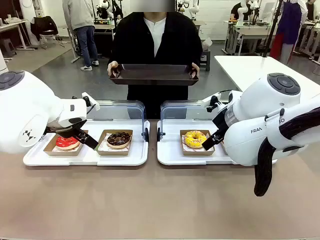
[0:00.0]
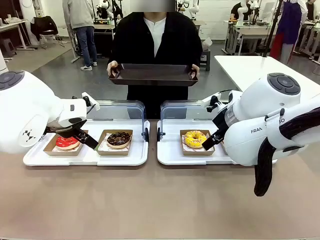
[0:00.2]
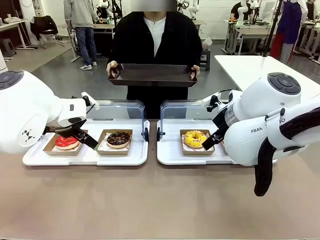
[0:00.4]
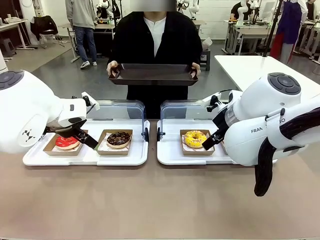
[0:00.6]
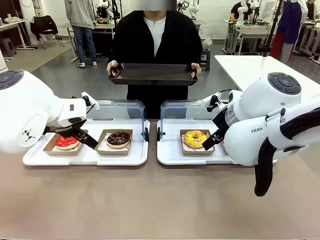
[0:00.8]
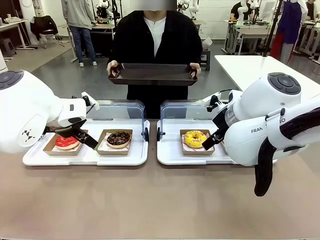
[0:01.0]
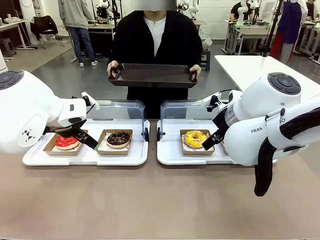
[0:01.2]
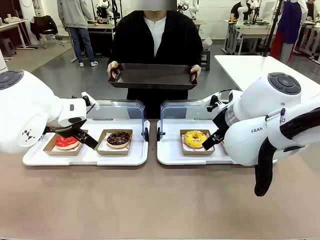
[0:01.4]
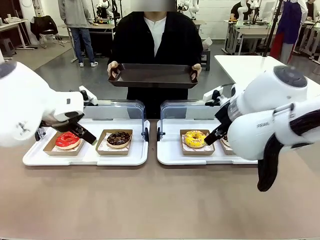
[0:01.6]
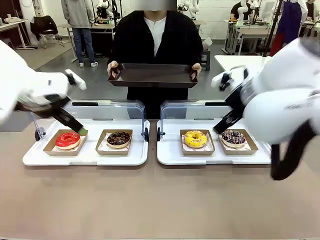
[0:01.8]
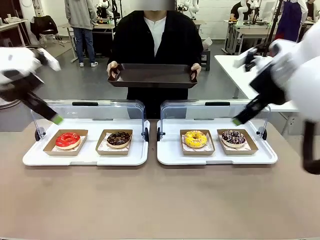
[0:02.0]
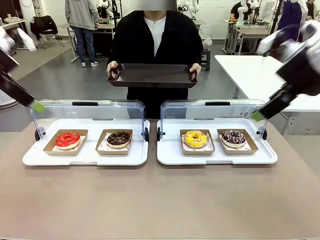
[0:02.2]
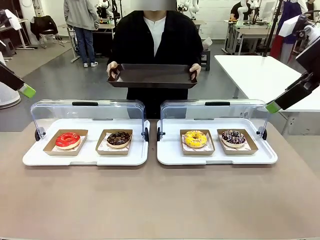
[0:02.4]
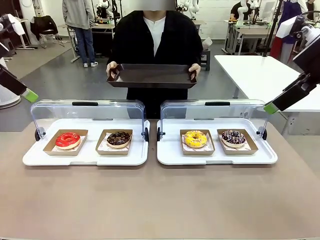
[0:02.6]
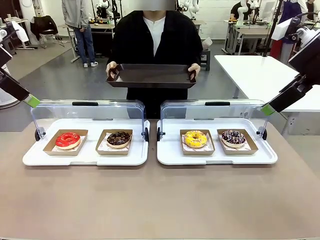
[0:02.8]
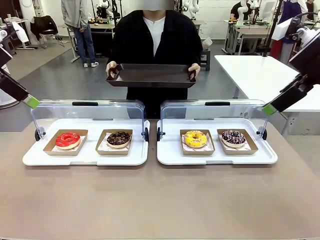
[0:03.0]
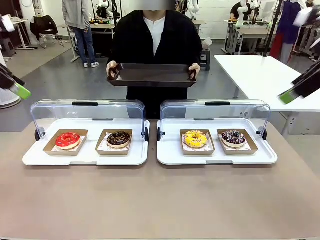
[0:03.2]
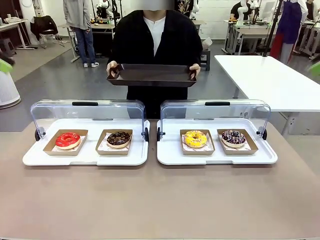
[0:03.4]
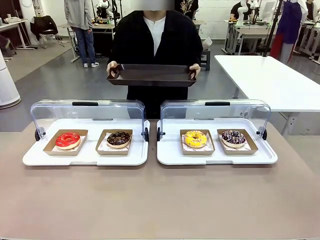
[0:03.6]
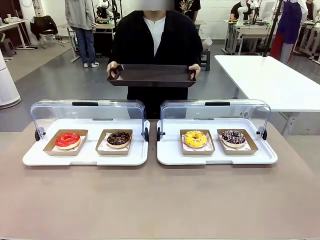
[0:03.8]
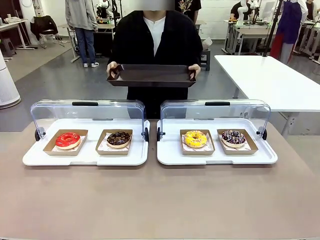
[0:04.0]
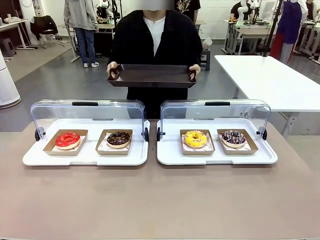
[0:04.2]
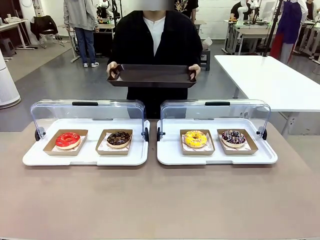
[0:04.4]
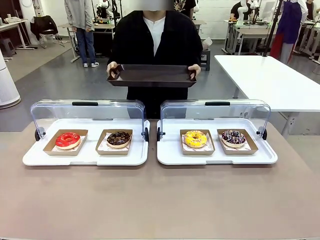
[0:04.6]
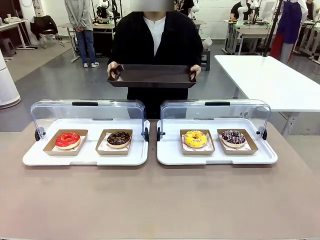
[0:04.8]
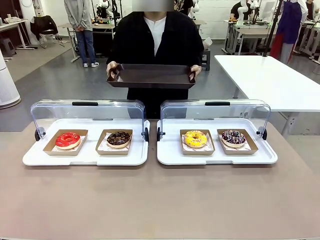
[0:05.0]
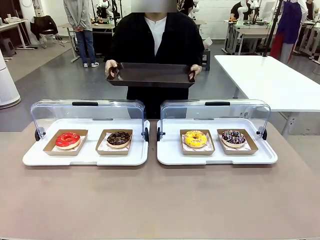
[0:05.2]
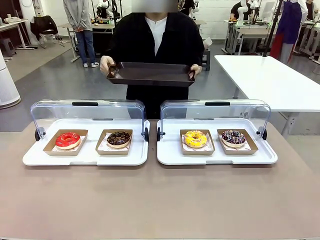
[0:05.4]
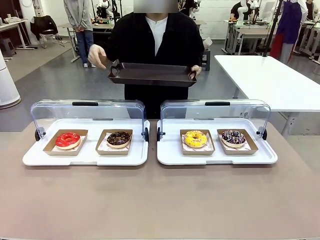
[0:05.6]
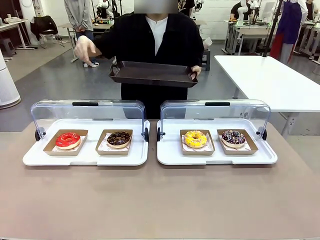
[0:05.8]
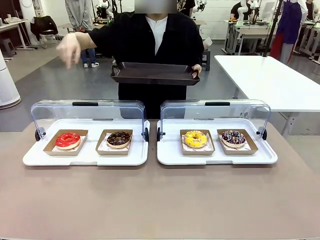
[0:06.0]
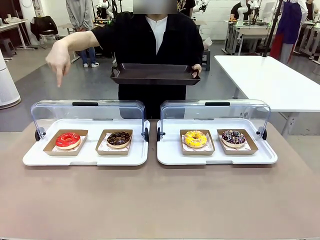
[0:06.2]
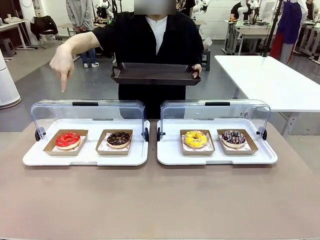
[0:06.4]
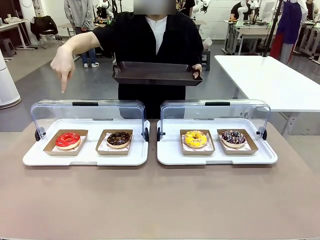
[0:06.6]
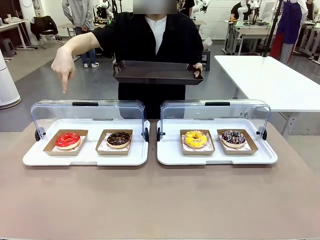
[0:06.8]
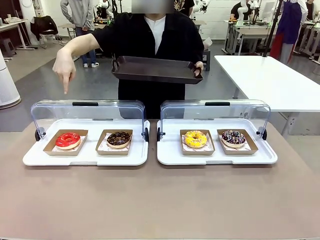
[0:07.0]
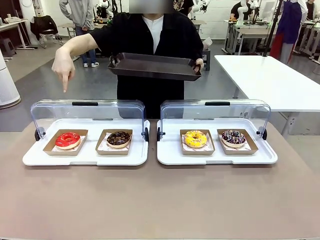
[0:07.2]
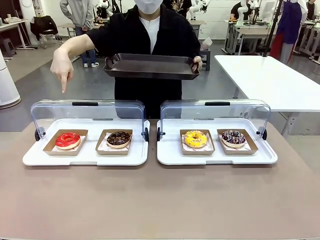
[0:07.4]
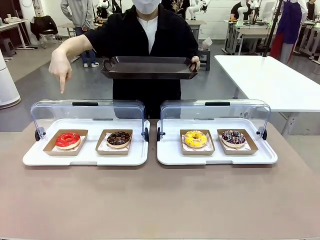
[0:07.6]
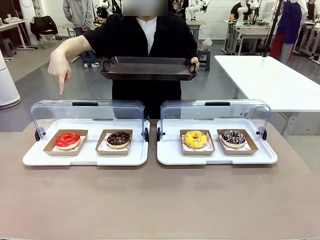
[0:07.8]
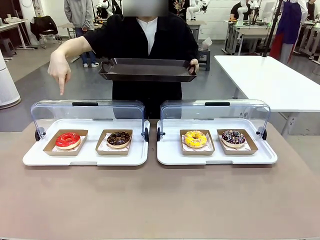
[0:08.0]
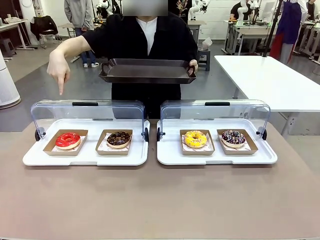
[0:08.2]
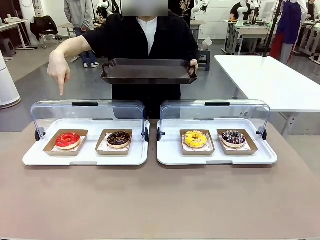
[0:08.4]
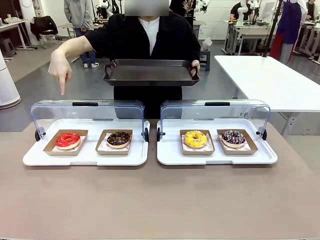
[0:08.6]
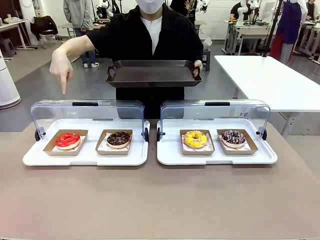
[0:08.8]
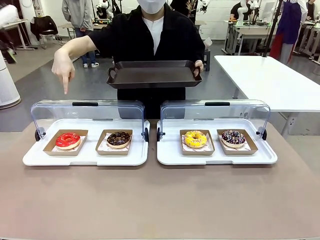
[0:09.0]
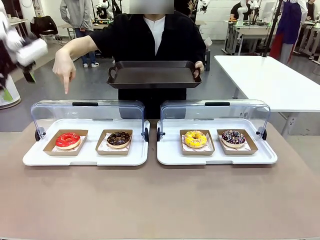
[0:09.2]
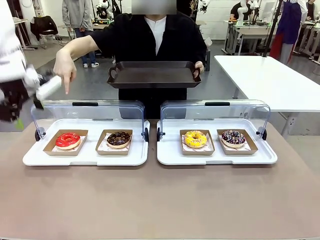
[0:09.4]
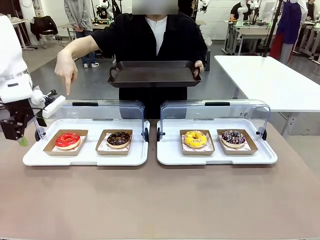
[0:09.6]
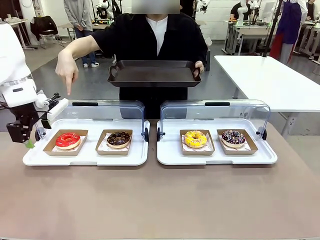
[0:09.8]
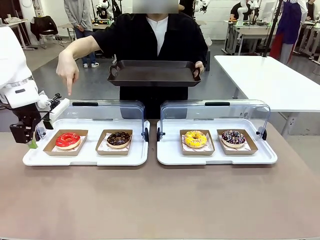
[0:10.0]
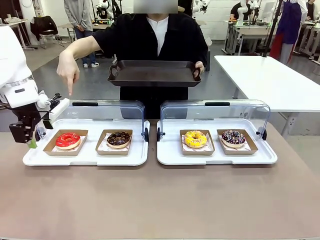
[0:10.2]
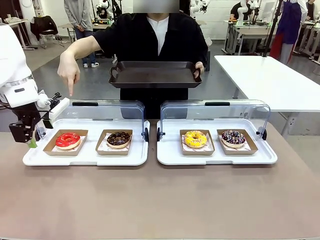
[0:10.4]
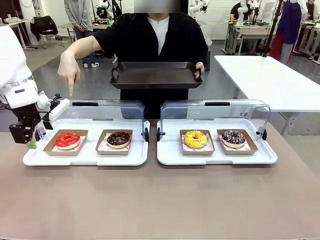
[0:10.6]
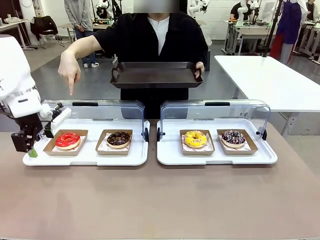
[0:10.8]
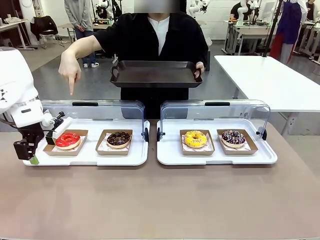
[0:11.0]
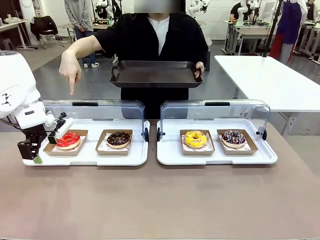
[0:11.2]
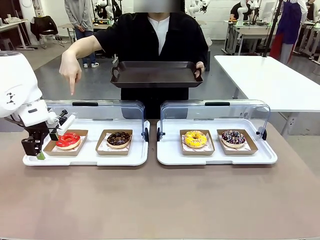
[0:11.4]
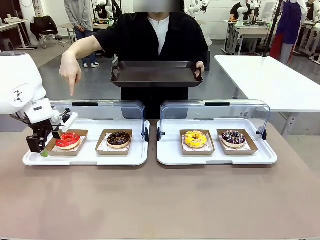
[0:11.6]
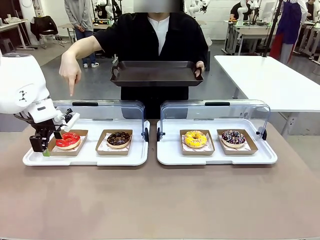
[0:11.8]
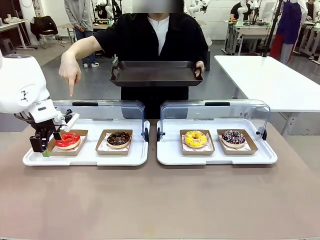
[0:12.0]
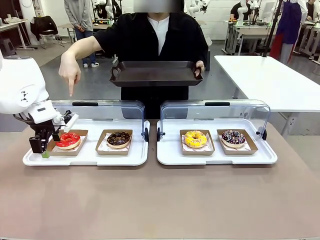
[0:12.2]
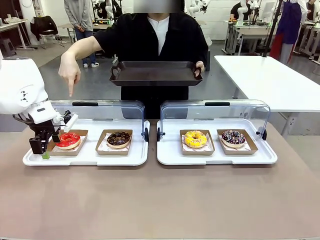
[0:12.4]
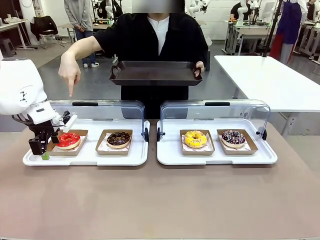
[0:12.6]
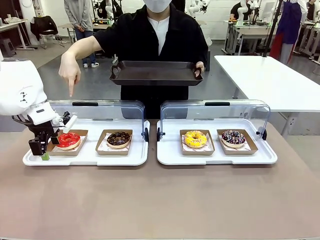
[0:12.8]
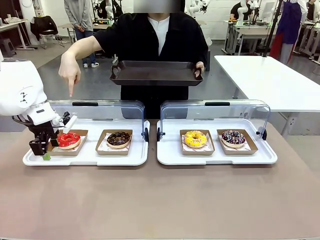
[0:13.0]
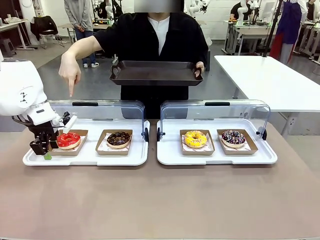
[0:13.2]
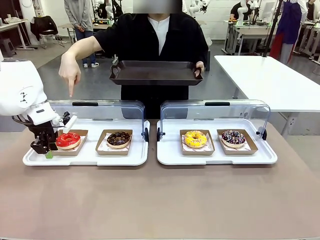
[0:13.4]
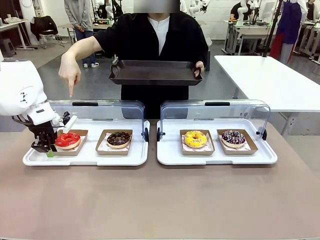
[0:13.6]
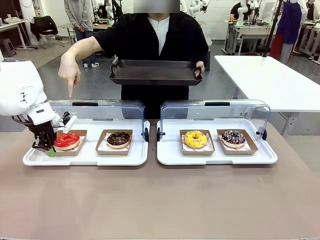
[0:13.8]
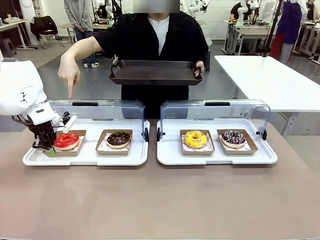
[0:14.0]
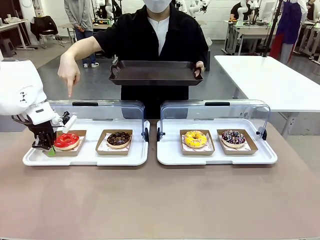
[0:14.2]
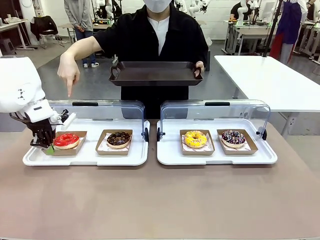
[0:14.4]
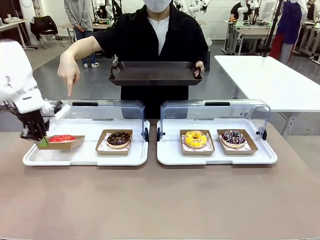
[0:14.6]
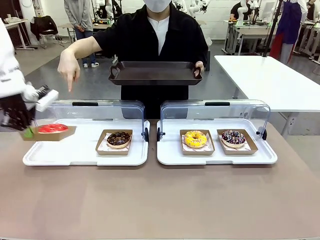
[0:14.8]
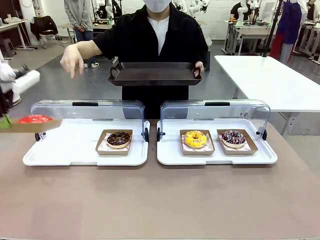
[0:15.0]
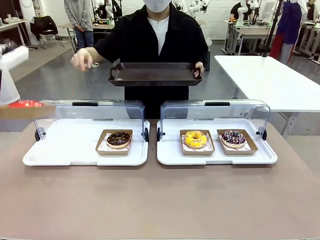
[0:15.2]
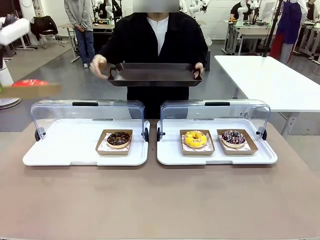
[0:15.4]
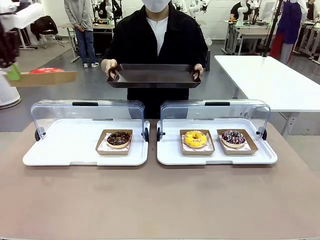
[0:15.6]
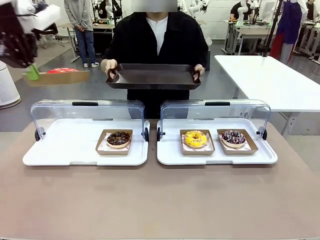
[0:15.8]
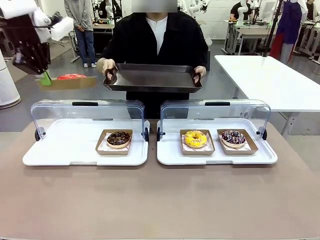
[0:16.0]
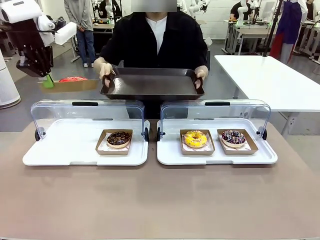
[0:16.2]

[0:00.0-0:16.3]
Task: Provide the desired donut to the person.
Robot: Pick up and lift the Paper togo box containing the Donut pointed at by the person.
Person: Point to one donut. Lift the tray onto the Roll-Top Bakery Case.

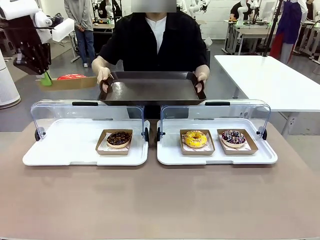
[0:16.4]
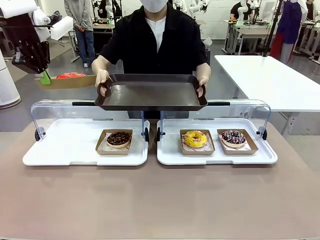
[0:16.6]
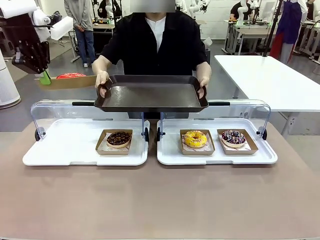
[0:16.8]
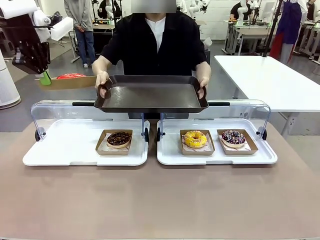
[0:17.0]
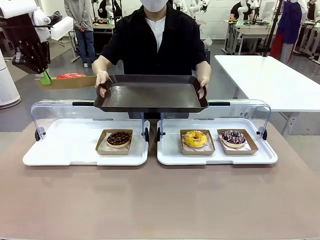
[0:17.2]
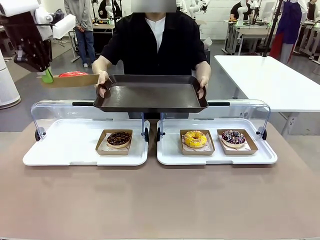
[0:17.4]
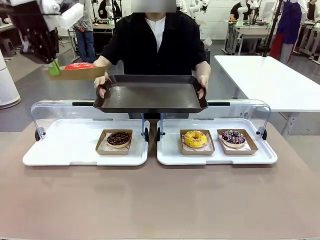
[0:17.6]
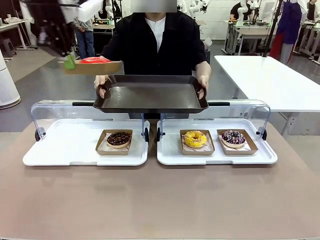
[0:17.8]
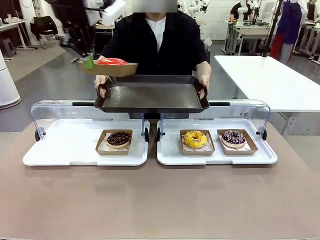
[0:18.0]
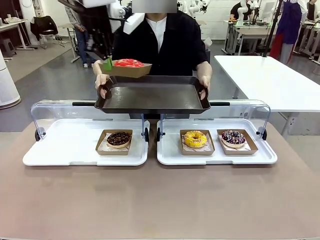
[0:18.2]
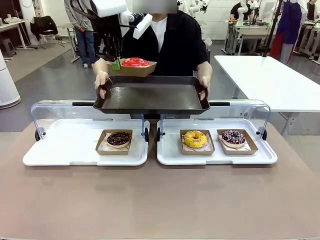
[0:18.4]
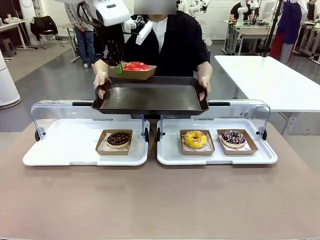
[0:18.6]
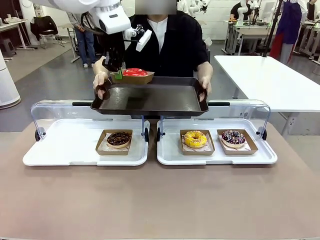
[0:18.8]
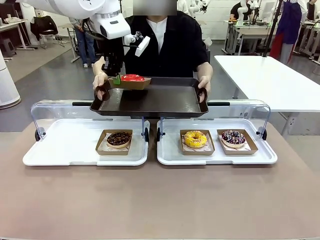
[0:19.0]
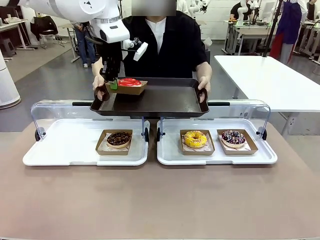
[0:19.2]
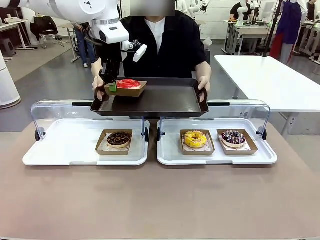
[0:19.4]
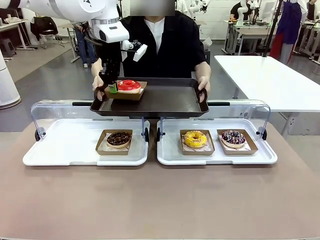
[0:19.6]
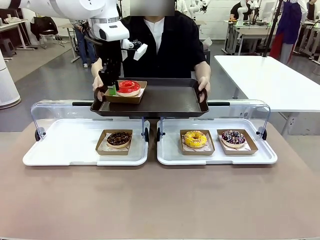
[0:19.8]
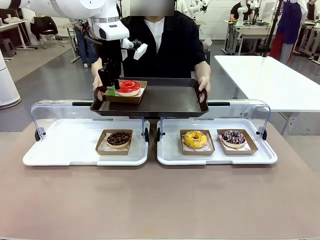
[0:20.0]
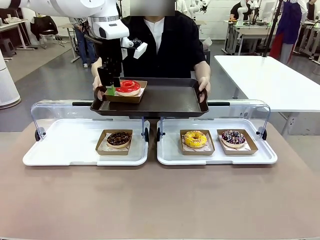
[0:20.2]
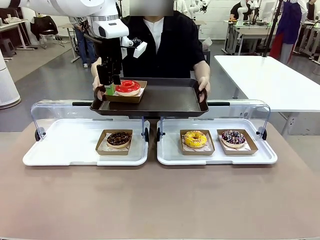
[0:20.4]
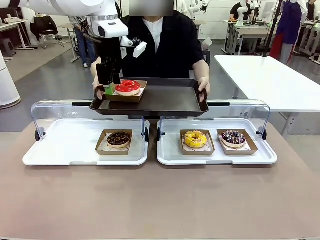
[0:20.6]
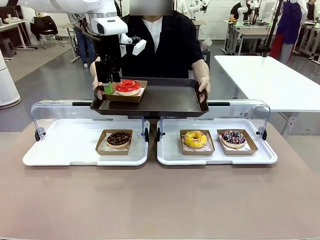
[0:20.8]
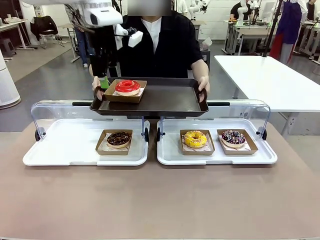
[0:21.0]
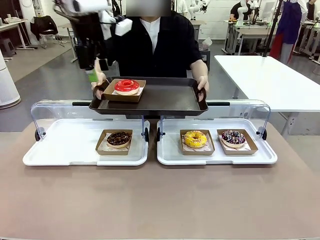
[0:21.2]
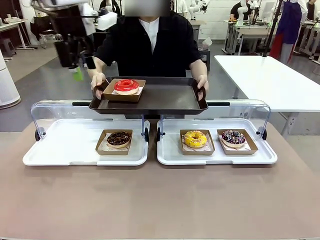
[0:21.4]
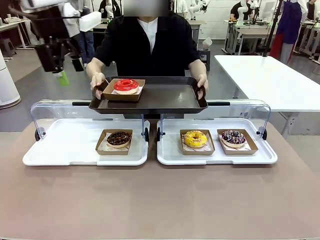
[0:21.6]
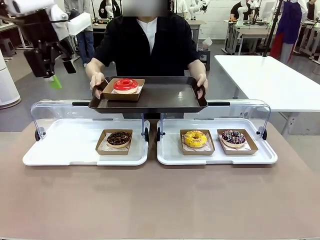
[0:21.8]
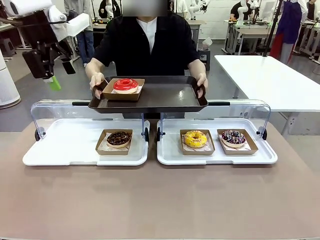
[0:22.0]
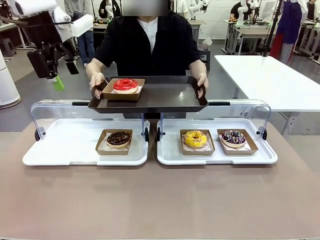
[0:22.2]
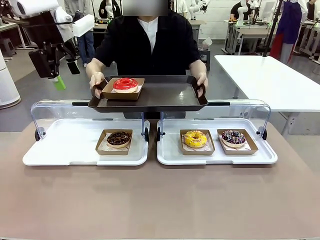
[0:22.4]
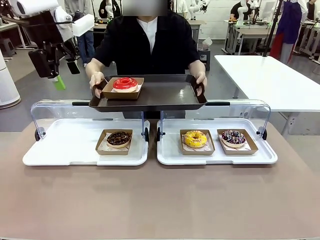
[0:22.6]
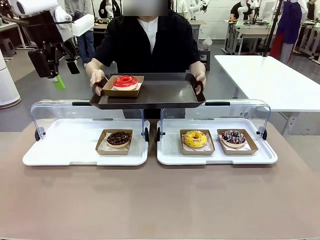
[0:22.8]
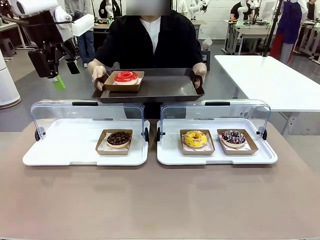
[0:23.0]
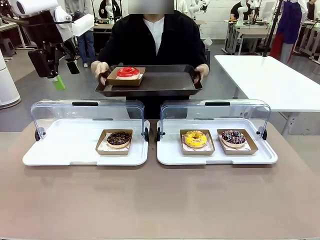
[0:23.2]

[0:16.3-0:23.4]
Robot: Place the picked Paper togo box onto the Handle tray extended by the person.
